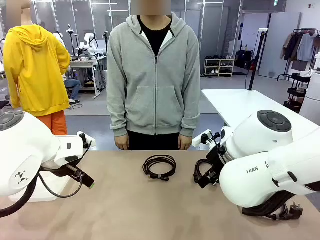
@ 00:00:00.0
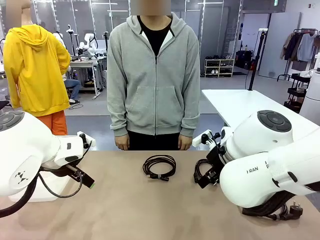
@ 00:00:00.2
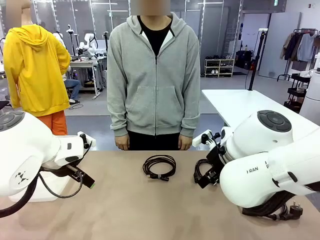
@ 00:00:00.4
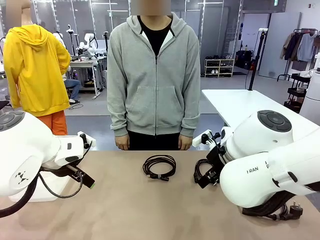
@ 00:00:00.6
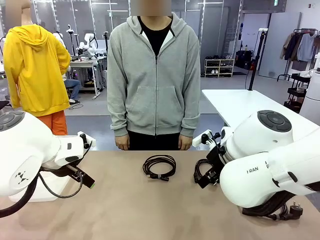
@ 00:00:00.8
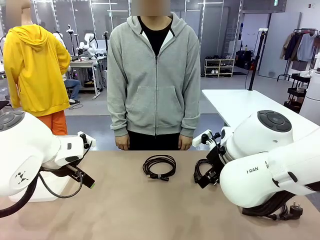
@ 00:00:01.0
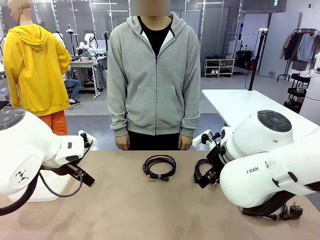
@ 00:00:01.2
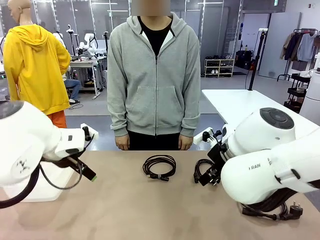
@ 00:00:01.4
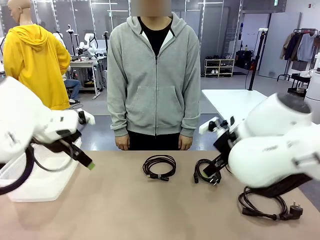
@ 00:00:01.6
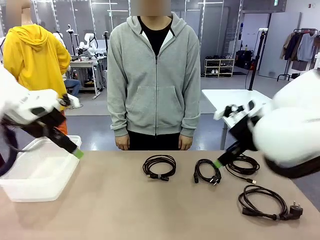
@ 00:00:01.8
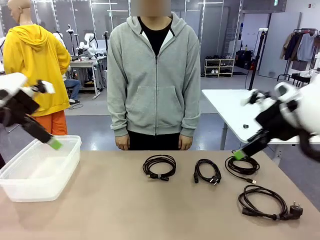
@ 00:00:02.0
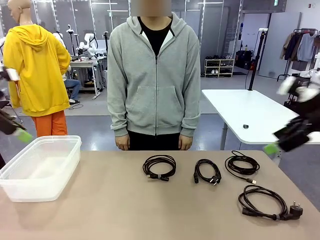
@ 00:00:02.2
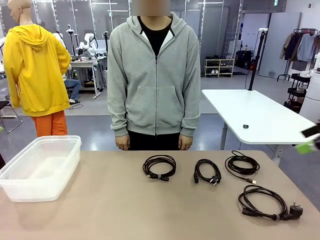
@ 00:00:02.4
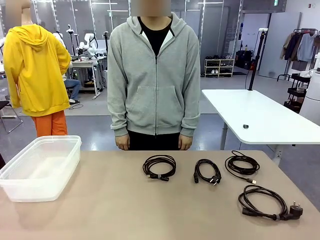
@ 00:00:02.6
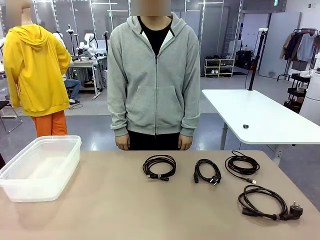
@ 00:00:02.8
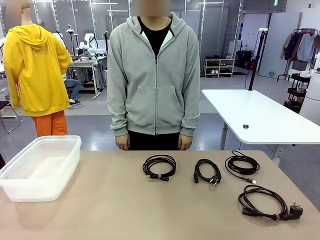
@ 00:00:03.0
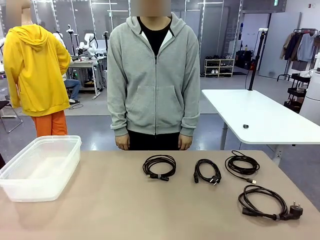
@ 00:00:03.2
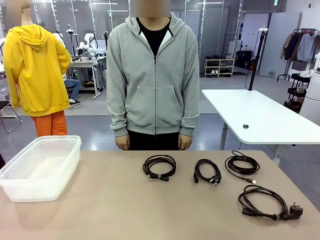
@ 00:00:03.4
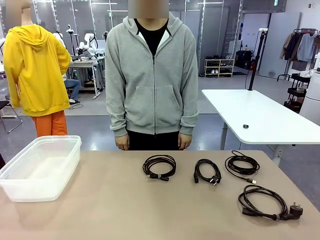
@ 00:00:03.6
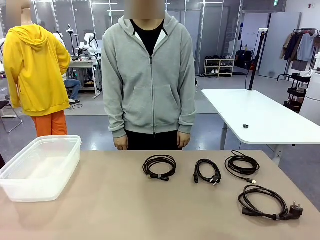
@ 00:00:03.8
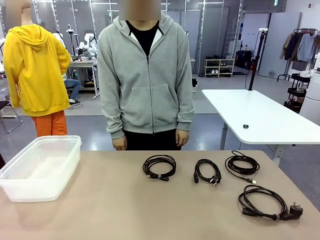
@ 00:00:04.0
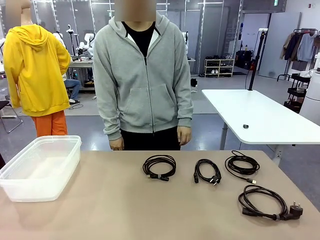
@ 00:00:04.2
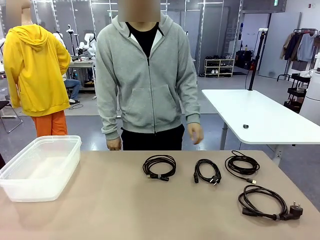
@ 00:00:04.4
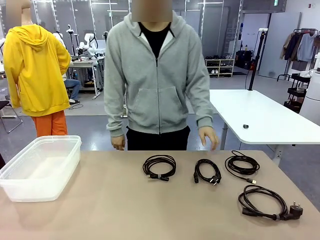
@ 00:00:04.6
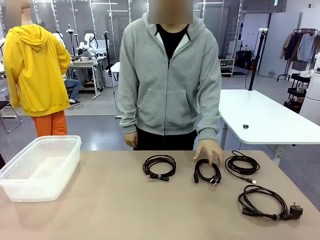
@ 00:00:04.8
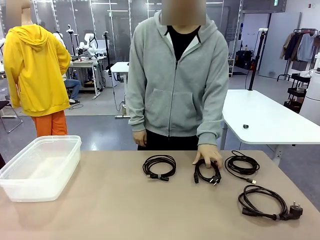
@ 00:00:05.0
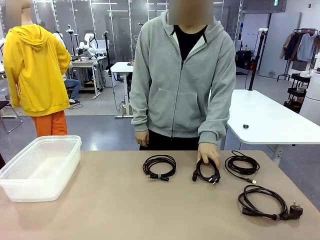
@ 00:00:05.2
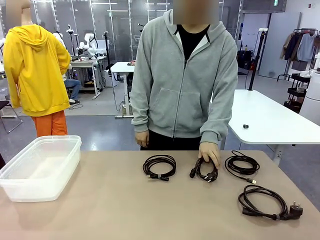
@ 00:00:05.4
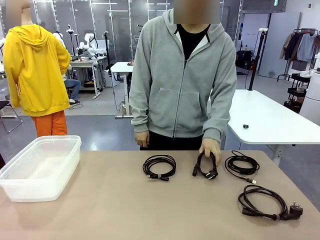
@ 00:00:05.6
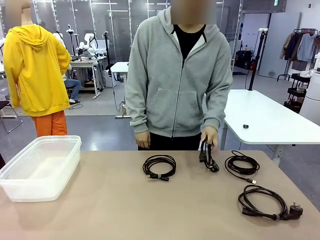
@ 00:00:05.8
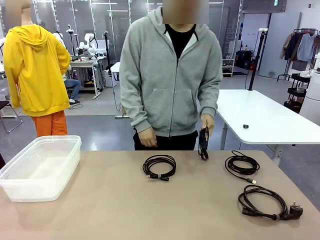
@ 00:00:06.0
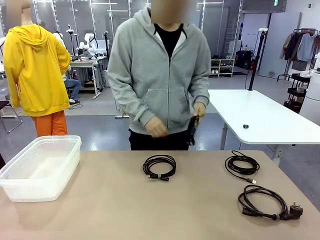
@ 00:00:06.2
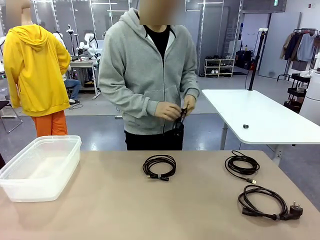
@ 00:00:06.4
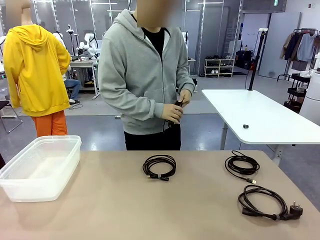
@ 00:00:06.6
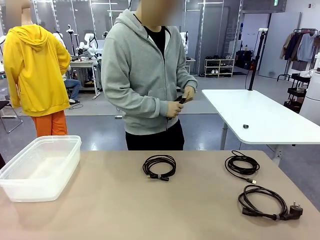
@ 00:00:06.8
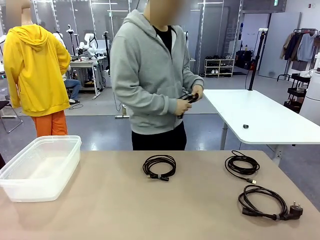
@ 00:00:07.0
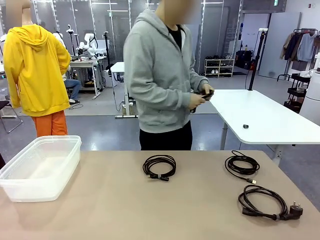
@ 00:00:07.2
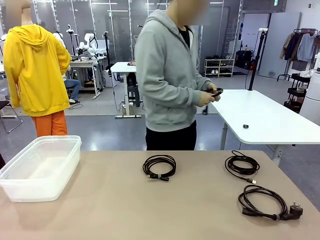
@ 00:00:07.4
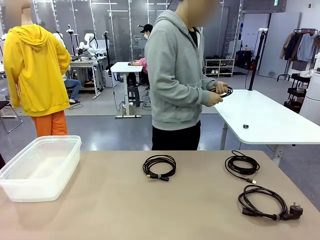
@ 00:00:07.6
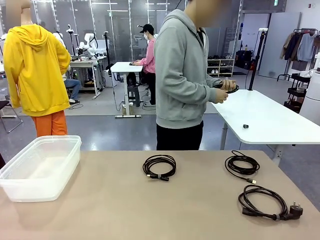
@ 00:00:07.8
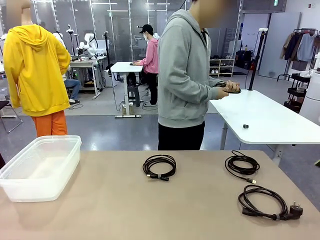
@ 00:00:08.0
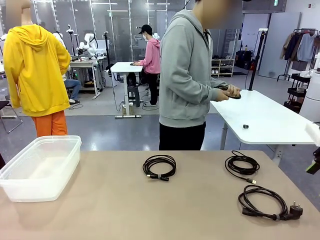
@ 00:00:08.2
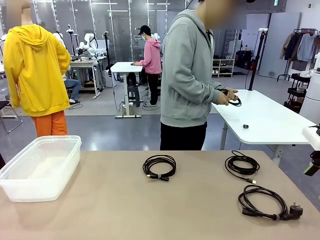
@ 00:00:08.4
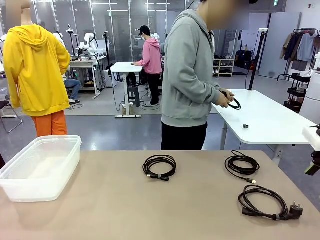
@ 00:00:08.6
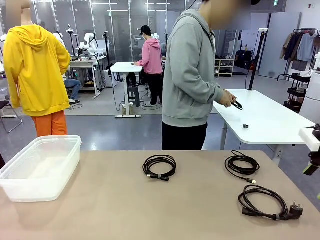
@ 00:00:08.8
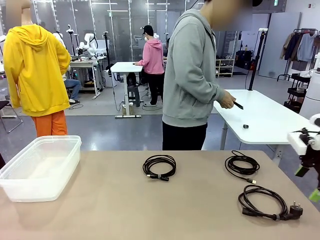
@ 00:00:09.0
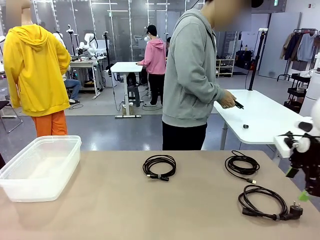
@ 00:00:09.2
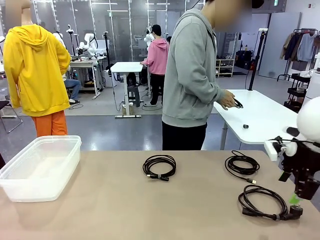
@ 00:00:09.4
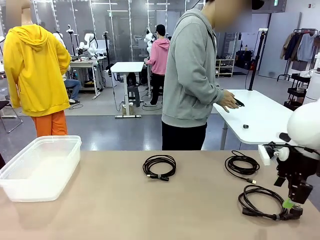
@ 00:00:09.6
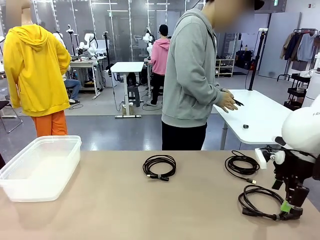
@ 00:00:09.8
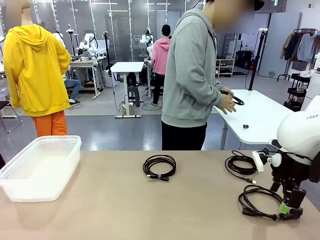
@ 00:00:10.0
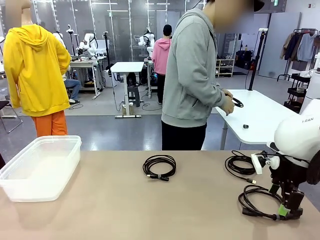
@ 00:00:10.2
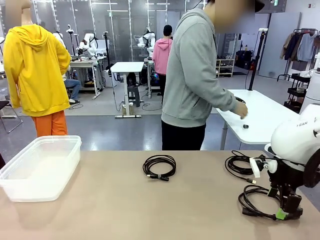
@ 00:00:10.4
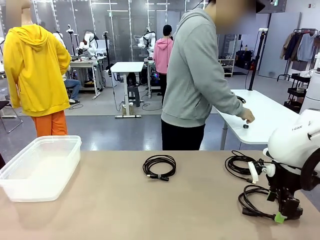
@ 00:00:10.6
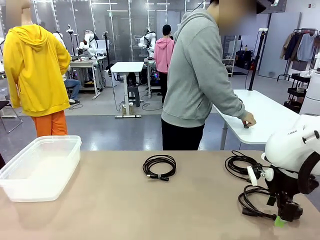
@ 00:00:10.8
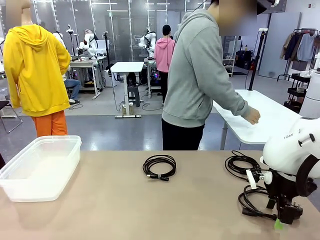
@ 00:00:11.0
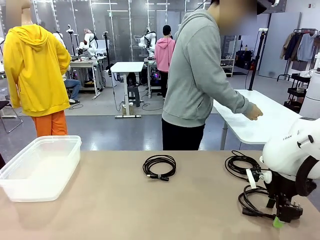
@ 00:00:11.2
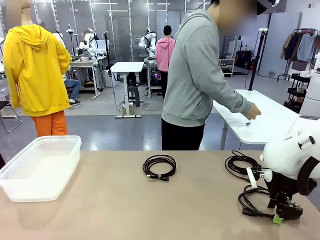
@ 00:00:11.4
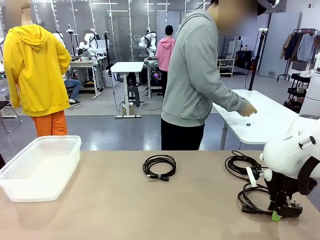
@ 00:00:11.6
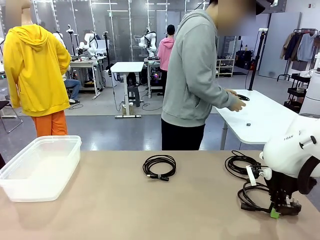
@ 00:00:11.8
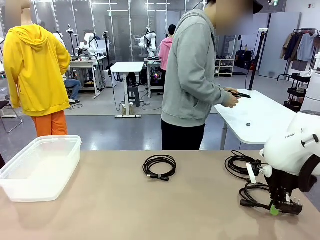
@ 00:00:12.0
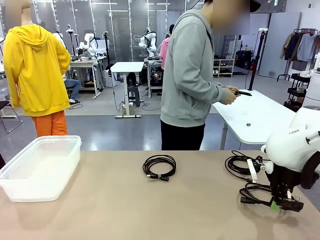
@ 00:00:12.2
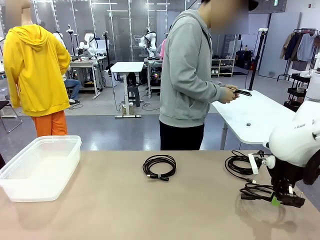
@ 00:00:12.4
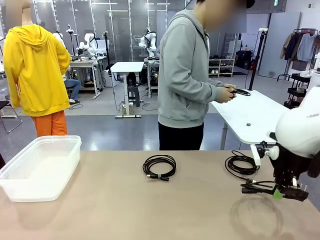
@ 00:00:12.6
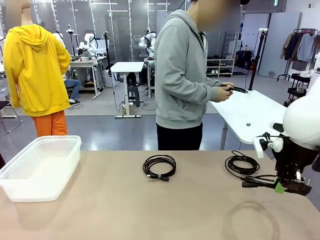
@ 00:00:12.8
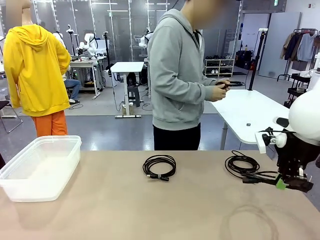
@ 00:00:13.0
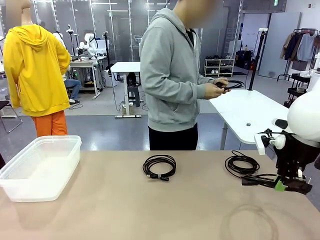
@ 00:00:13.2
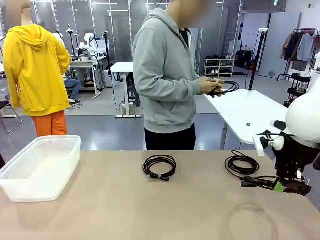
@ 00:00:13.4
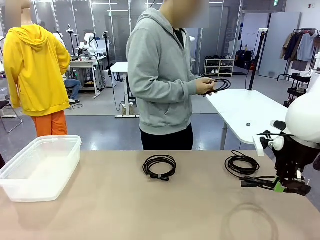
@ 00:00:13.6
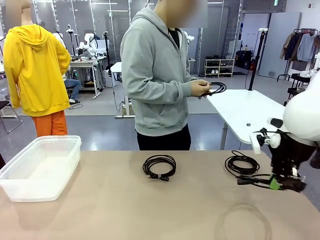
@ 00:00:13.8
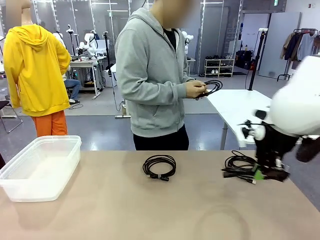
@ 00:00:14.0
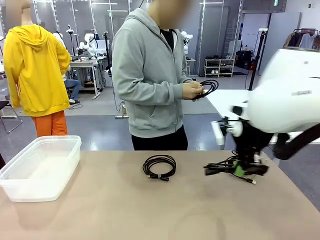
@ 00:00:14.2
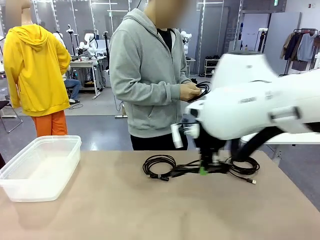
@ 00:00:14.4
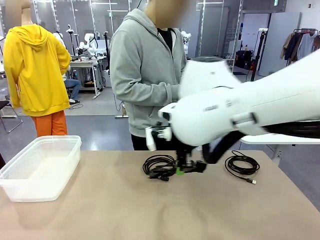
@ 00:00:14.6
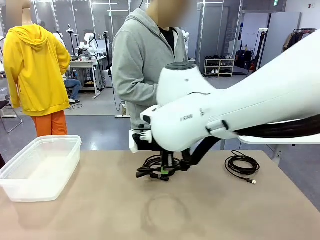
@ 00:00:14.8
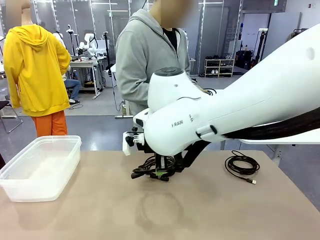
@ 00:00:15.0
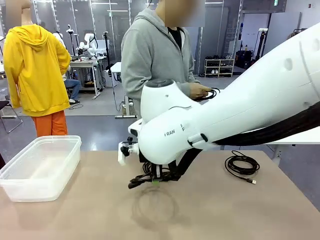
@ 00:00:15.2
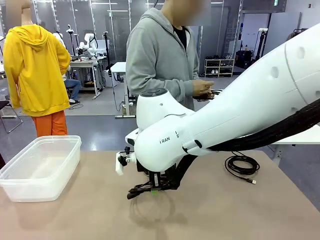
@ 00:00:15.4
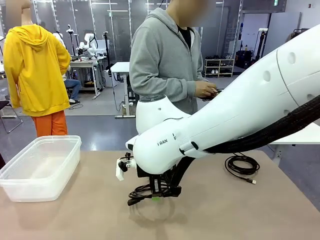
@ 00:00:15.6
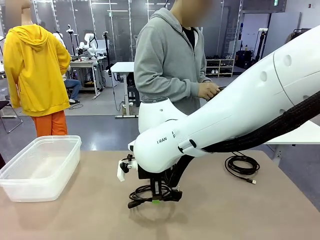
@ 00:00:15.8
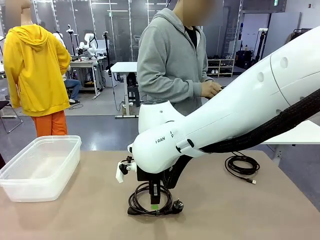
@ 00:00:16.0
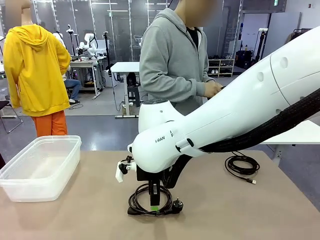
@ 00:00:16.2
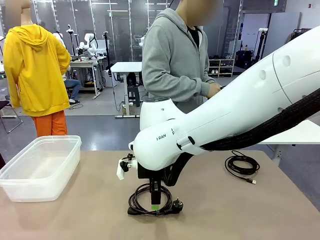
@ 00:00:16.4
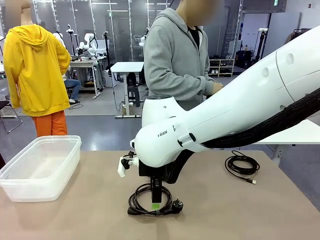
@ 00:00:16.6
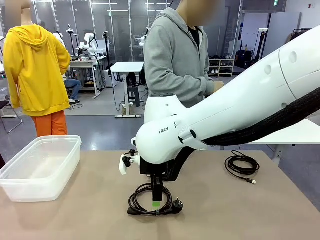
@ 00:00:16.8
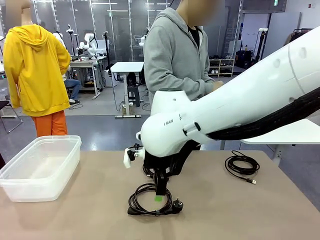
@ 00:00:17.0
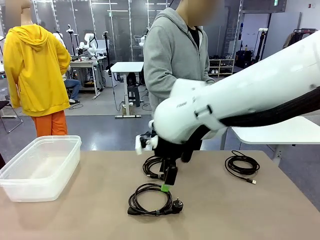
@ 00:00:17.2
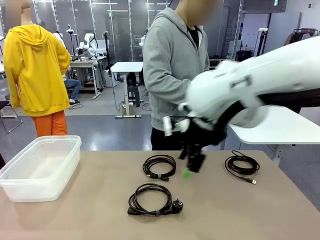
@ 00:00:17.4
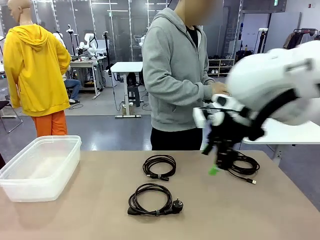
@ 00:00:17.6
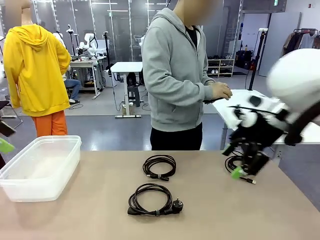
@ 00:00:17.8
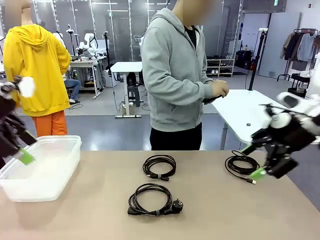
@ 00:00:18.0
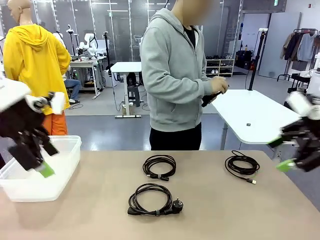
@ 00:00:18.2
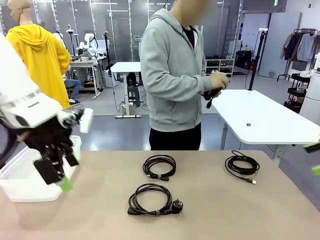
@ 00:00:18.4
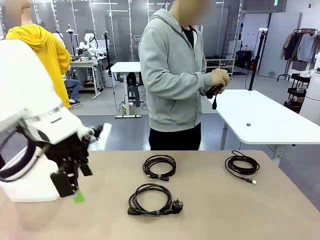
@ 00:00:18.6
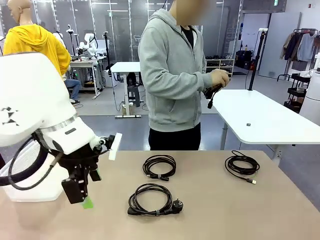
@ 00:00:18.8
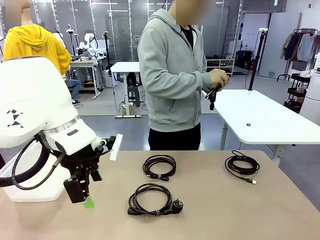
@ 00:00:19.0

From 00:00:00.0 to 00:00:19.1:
Task: Organize and store the cables.
Robot: Place the Power Cable into the Organizing box.
Person: Tie one Power Cable with a Reusable Cable Tie.
